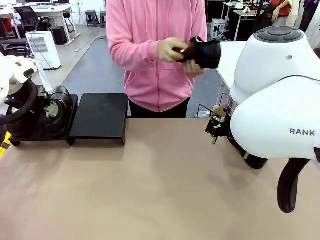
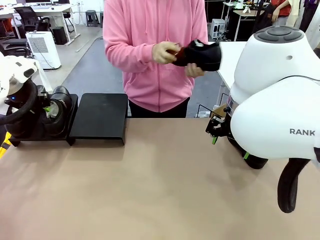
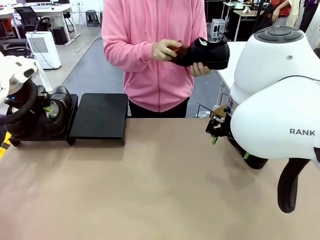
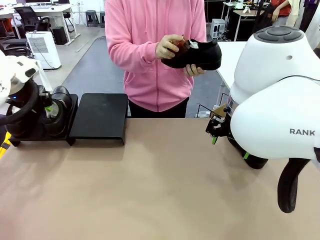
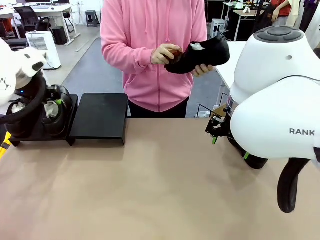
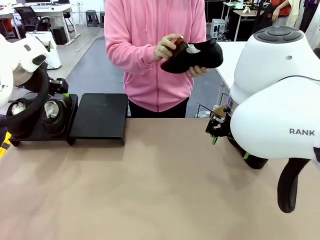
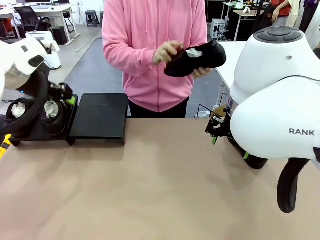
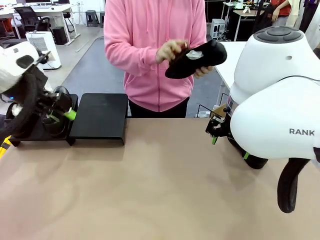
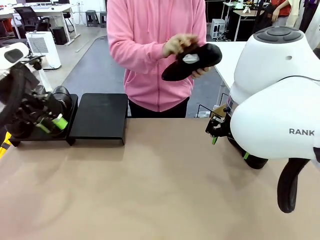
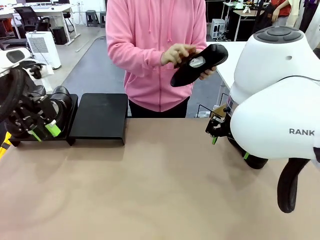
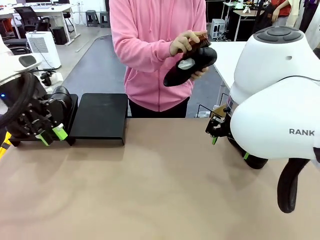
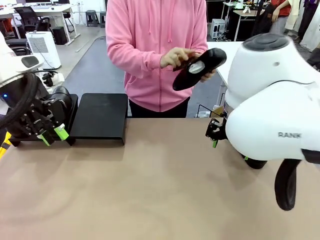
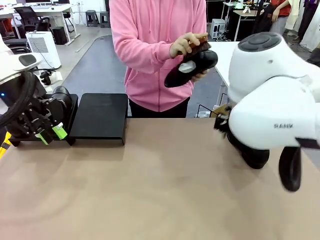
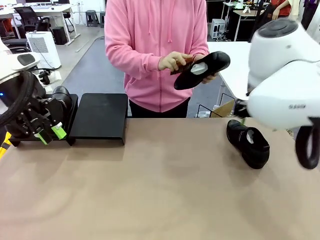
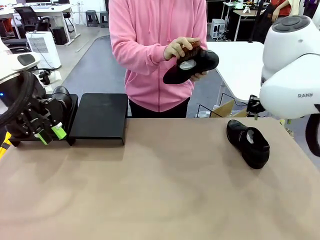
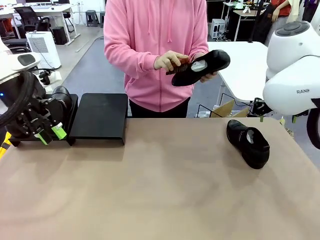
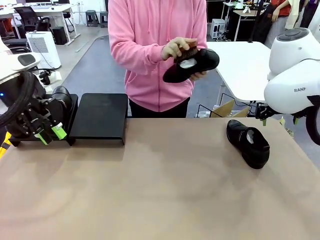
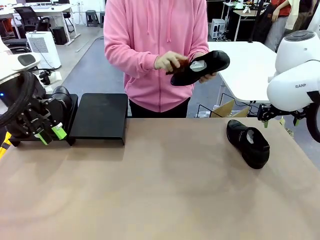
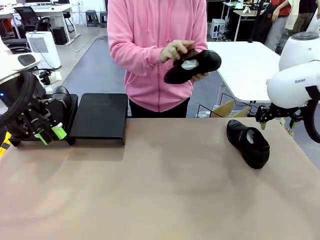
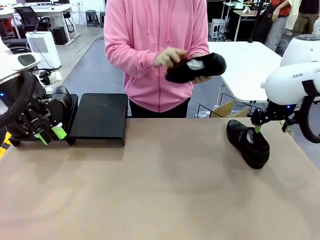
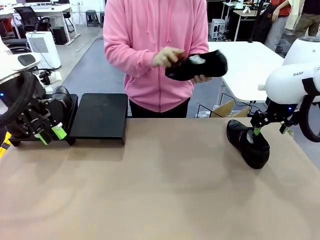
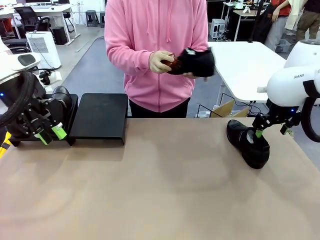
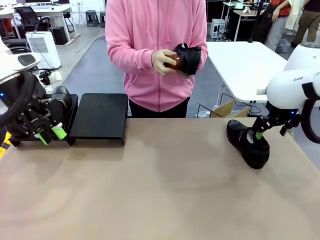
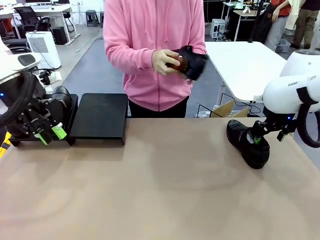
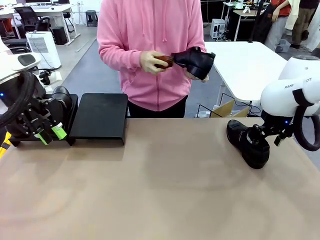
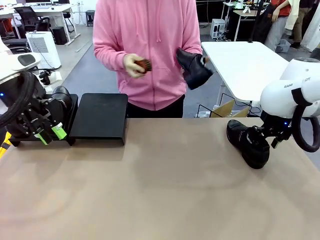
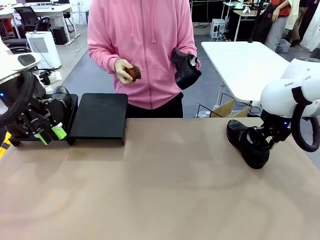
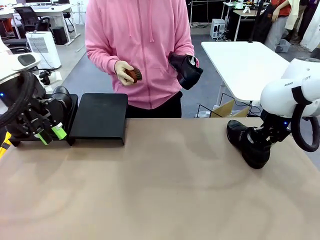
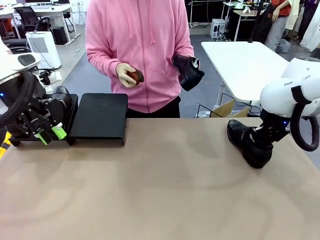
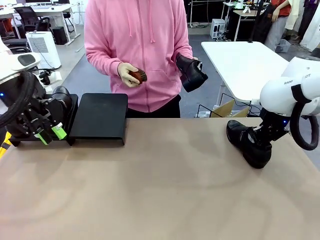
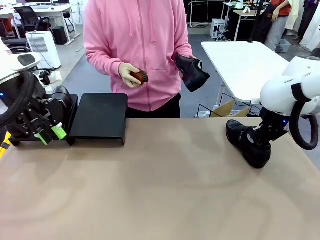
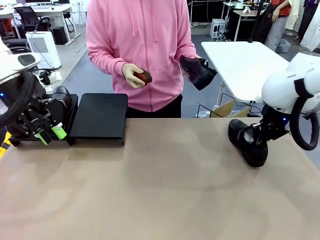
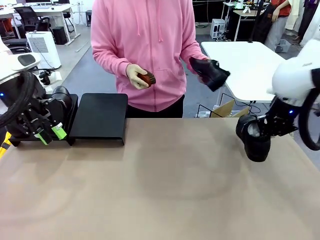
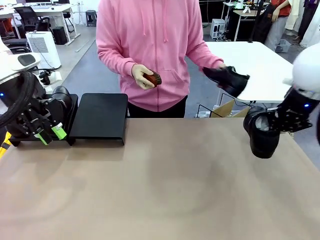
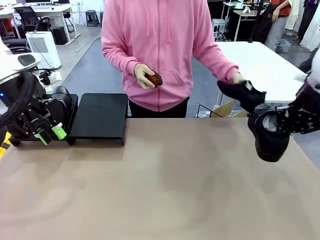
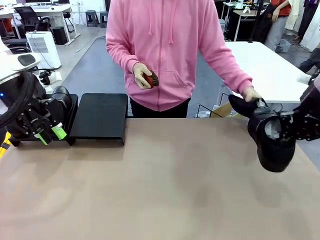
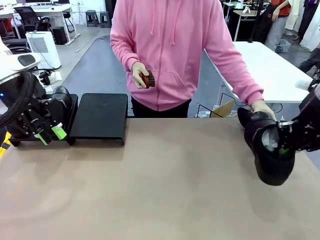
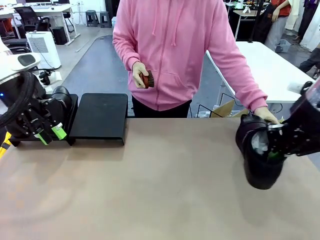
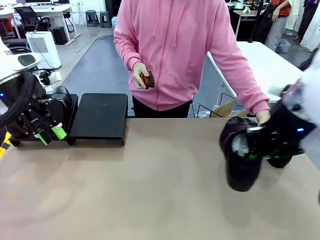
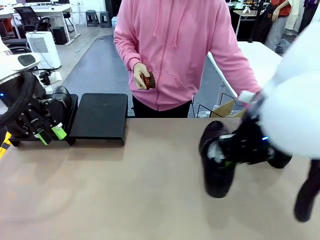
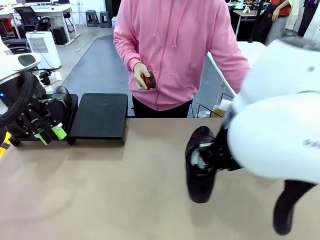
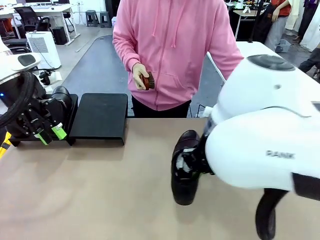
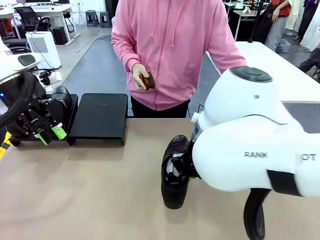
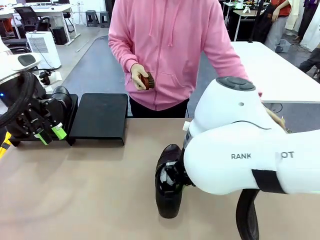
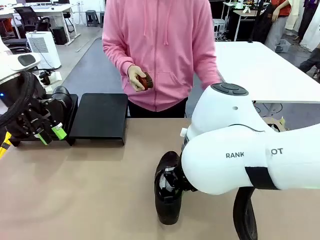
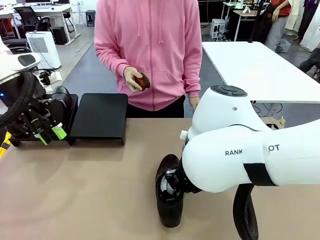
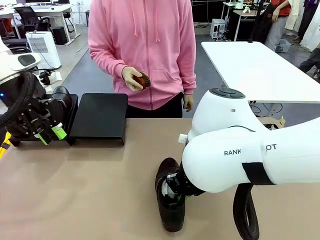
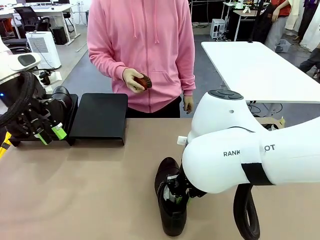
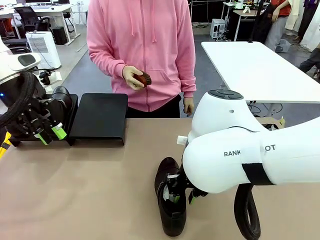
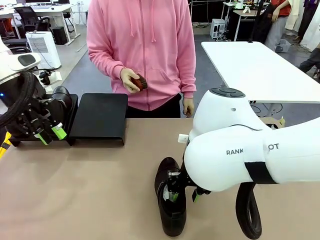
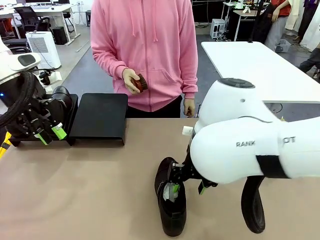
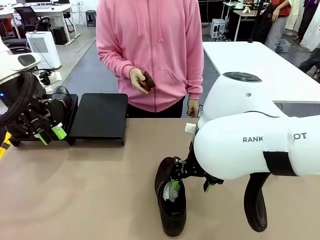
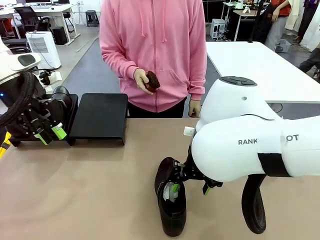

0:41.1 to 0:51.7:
Task: Organize the shoes by placing them on the stand.
Robot: Pick up one Shoe and place it in the middle of the table.

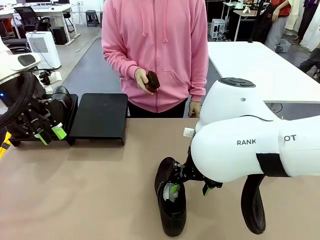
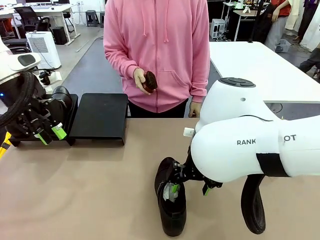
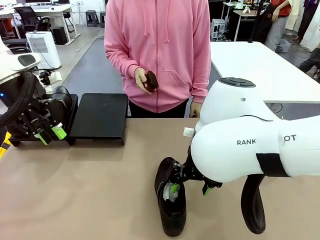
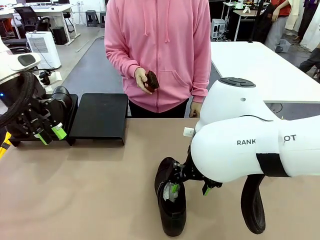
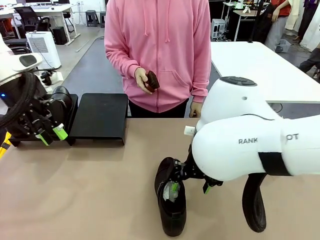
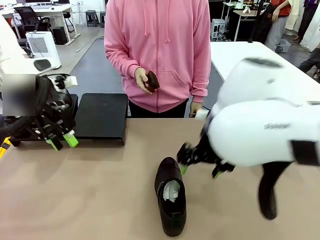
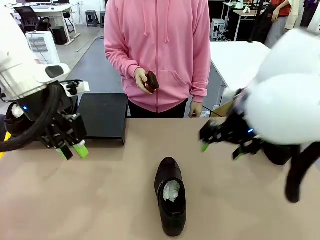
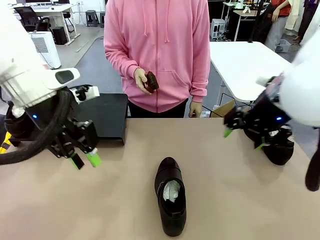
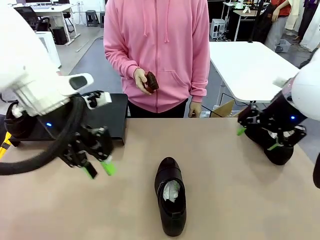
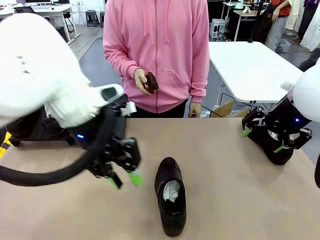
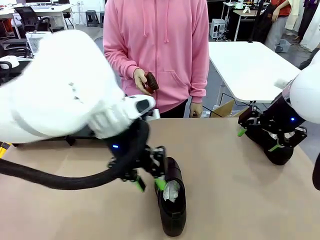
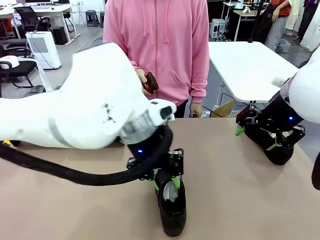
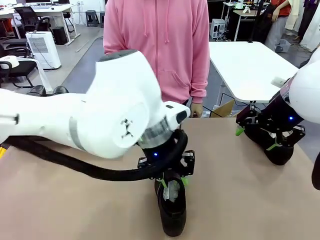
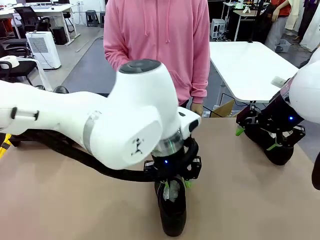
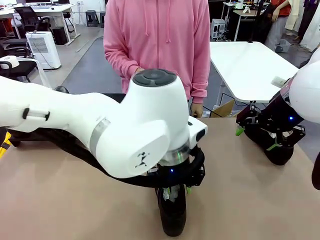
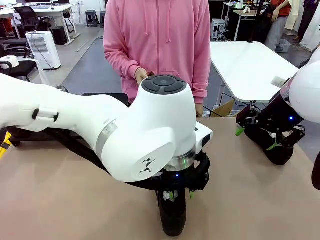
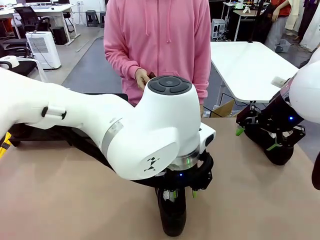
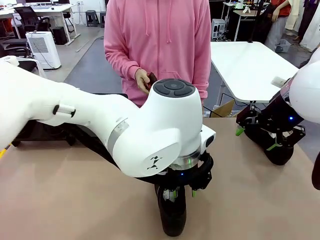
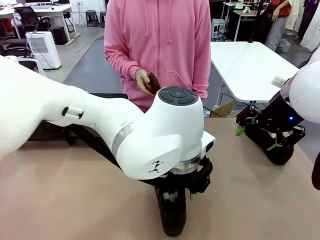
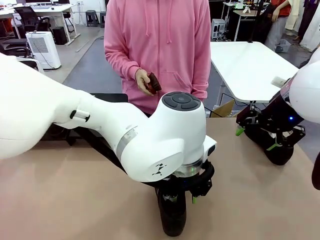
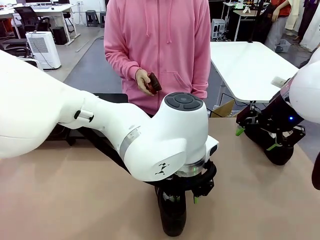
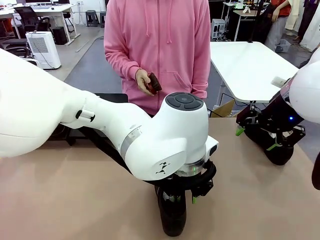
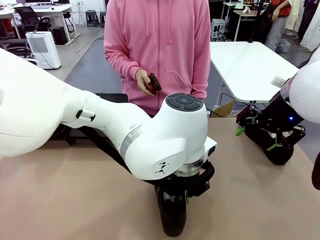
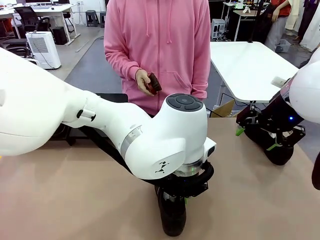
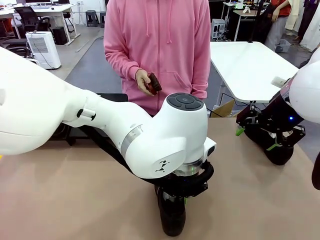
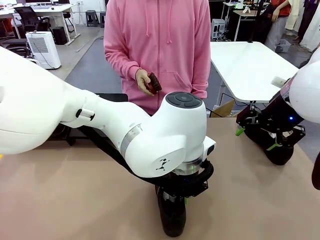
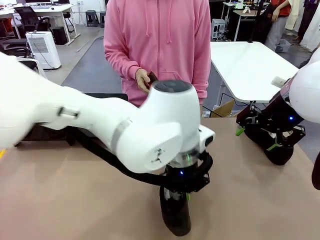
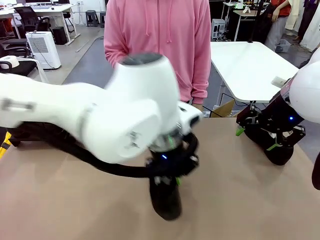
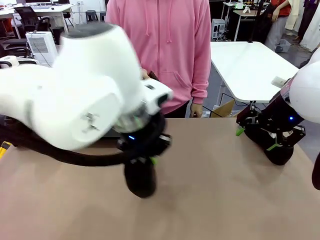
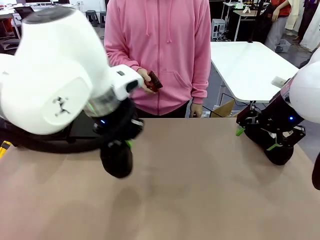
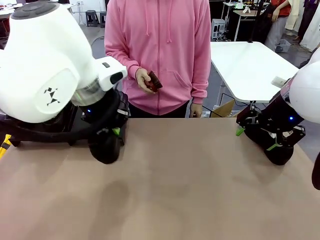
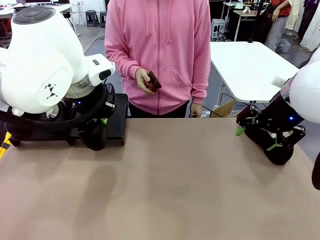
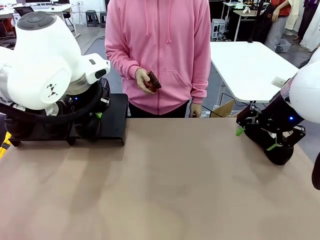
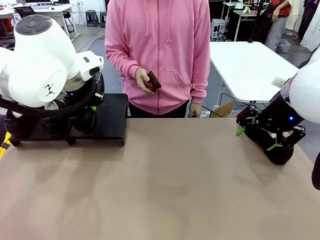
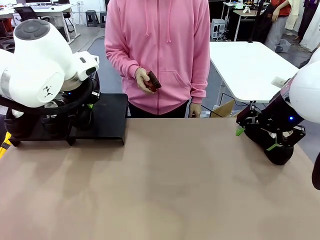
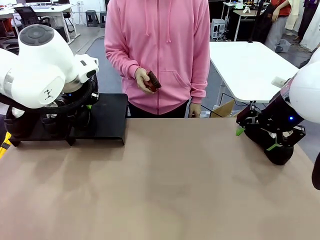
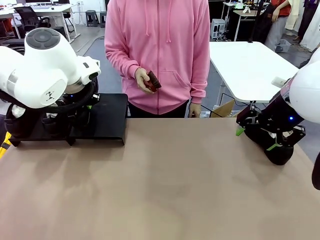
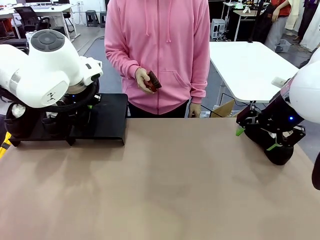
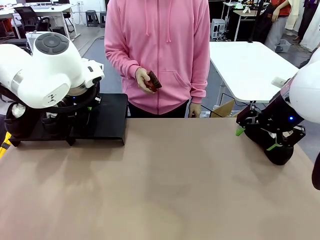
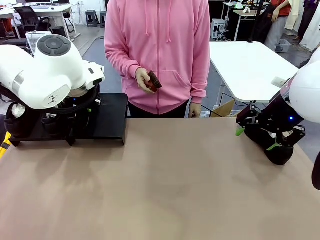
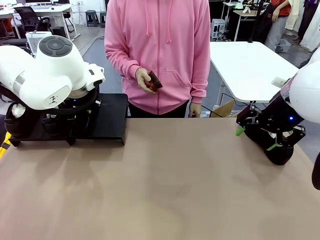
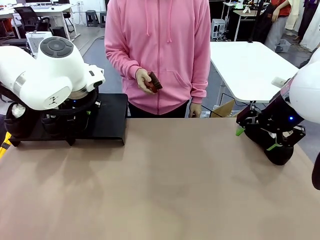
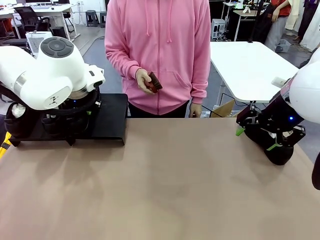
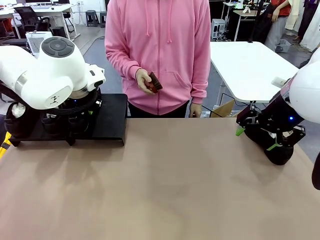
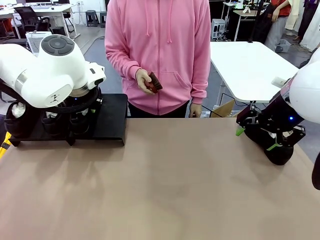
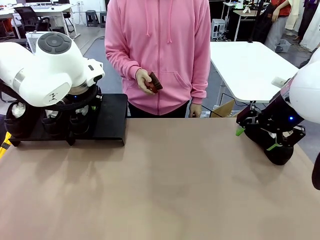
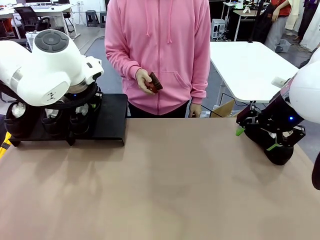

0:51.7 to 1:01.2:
Robot: Place the Shoe from the middle of the table onto the Shoes Stand.
